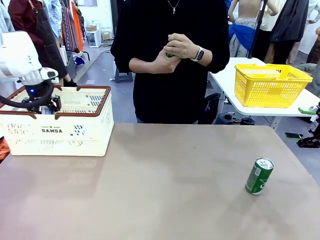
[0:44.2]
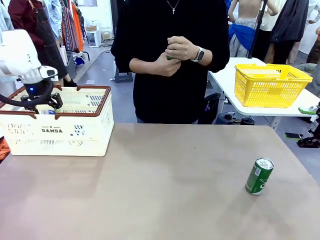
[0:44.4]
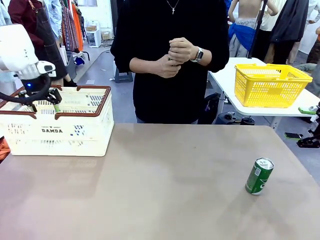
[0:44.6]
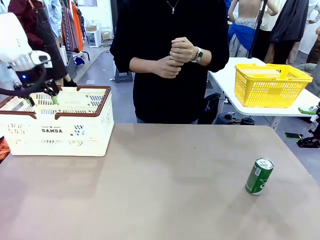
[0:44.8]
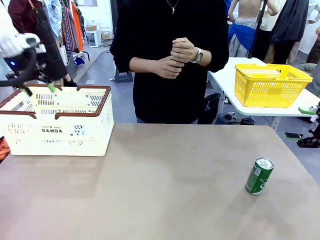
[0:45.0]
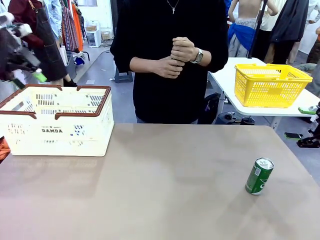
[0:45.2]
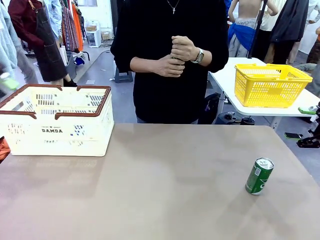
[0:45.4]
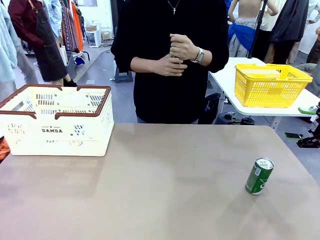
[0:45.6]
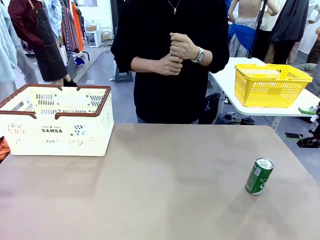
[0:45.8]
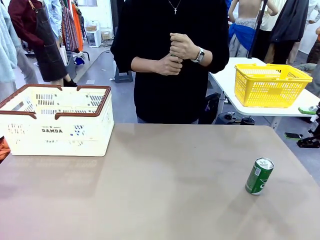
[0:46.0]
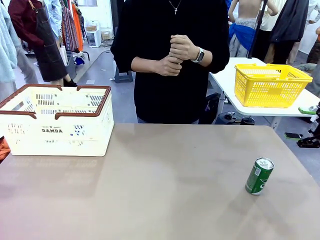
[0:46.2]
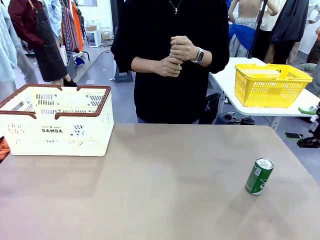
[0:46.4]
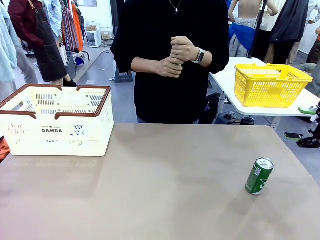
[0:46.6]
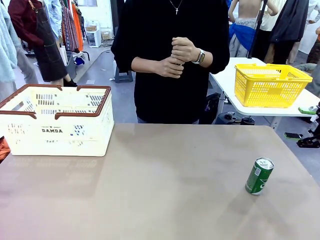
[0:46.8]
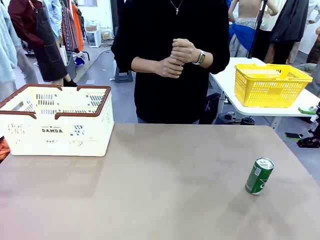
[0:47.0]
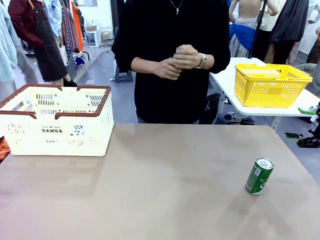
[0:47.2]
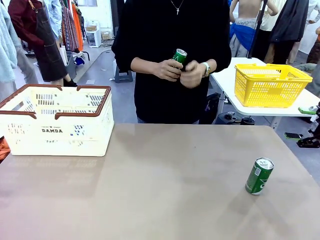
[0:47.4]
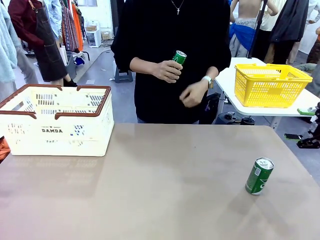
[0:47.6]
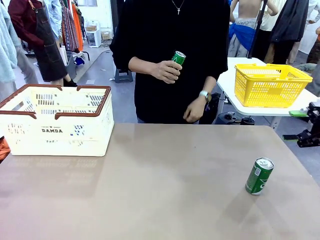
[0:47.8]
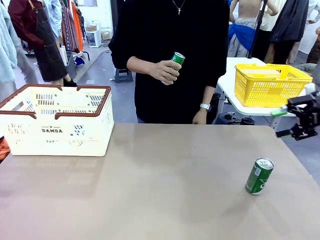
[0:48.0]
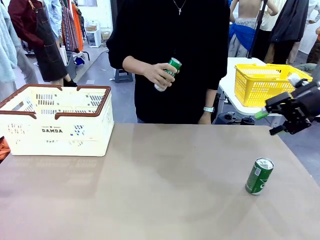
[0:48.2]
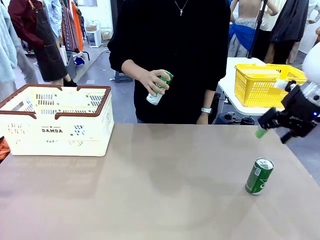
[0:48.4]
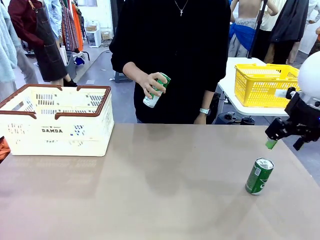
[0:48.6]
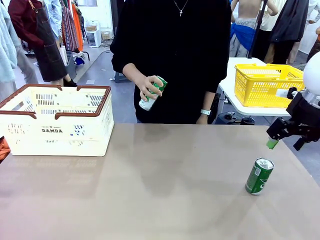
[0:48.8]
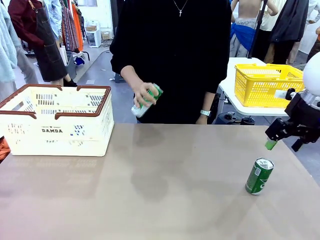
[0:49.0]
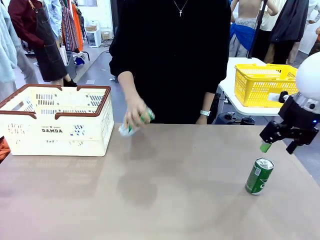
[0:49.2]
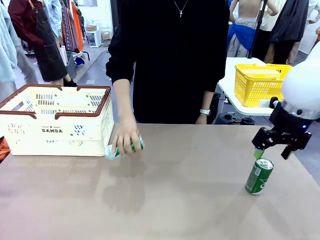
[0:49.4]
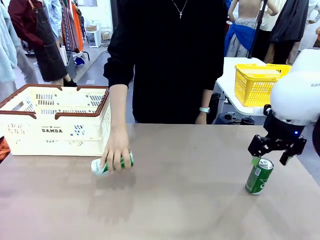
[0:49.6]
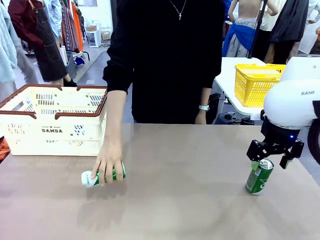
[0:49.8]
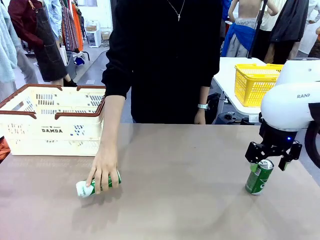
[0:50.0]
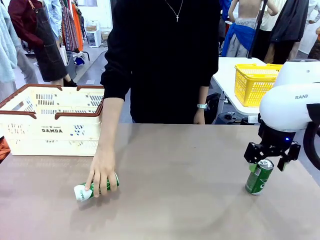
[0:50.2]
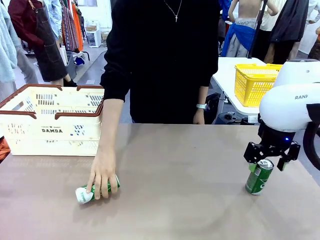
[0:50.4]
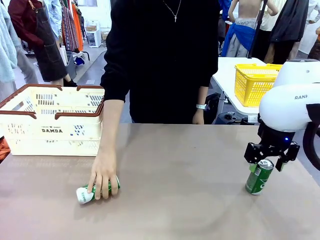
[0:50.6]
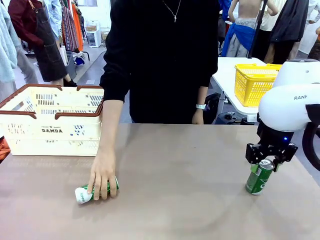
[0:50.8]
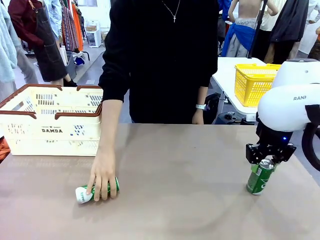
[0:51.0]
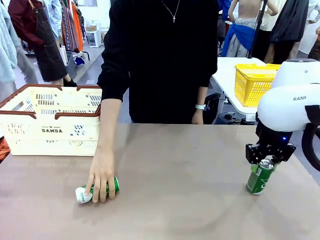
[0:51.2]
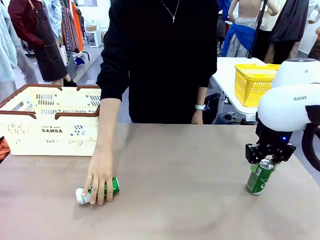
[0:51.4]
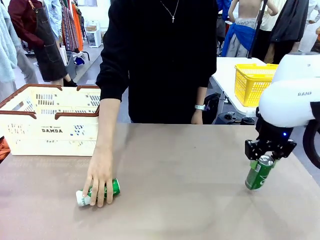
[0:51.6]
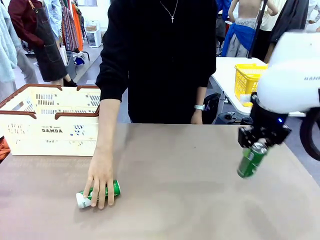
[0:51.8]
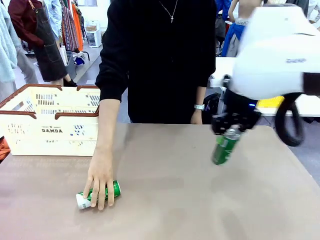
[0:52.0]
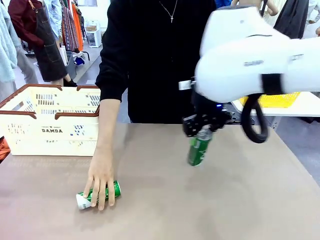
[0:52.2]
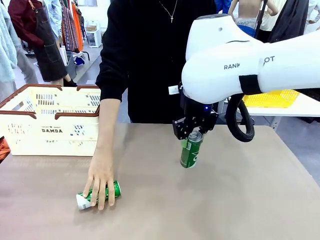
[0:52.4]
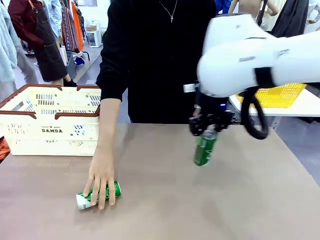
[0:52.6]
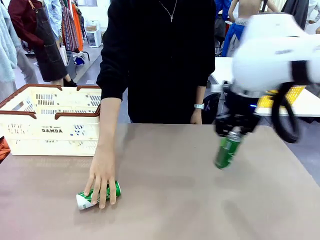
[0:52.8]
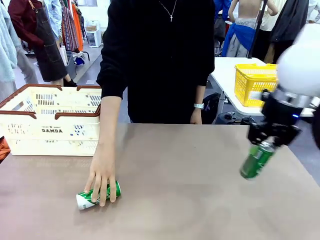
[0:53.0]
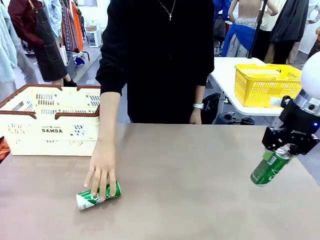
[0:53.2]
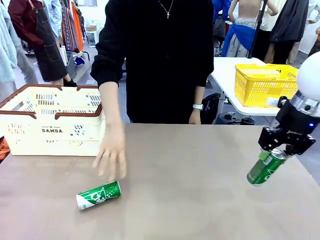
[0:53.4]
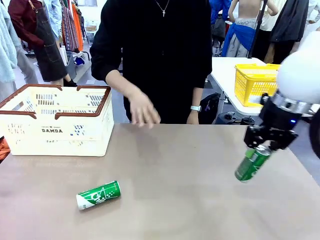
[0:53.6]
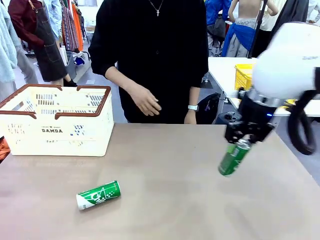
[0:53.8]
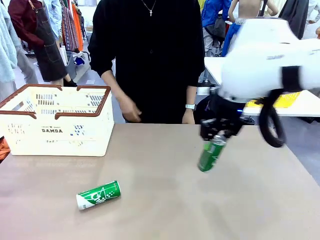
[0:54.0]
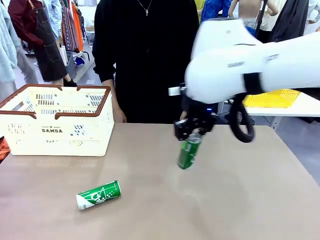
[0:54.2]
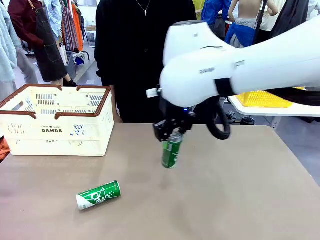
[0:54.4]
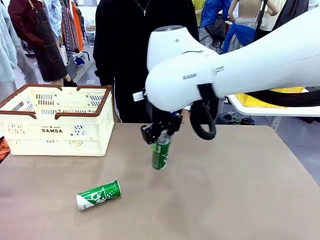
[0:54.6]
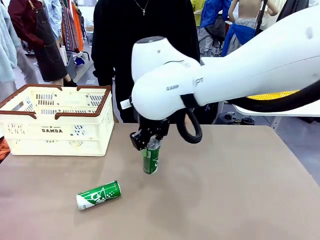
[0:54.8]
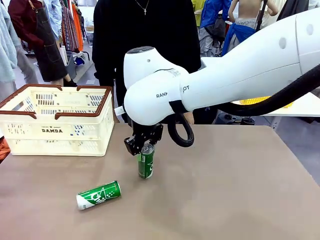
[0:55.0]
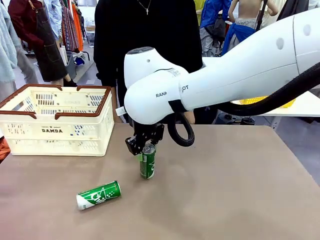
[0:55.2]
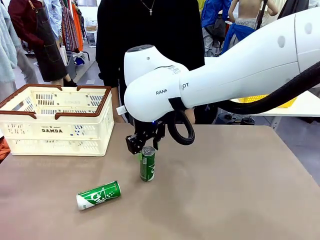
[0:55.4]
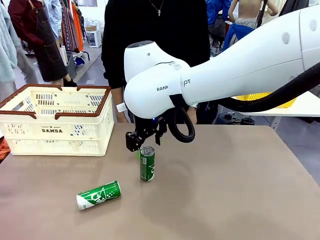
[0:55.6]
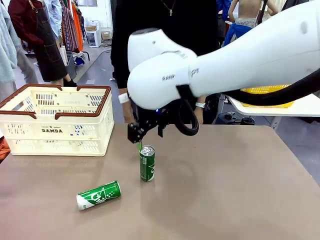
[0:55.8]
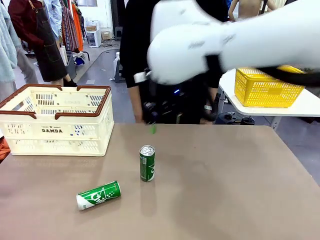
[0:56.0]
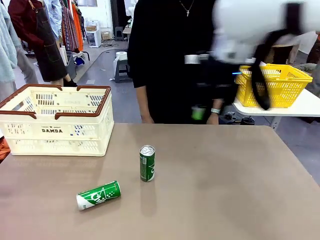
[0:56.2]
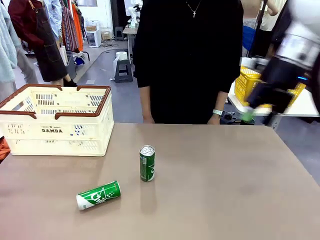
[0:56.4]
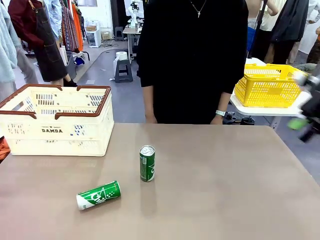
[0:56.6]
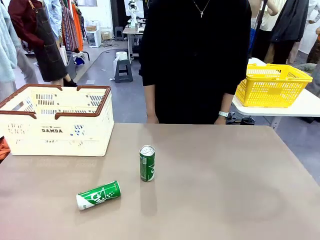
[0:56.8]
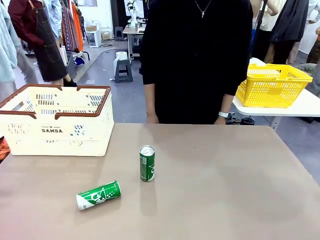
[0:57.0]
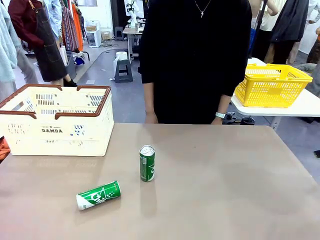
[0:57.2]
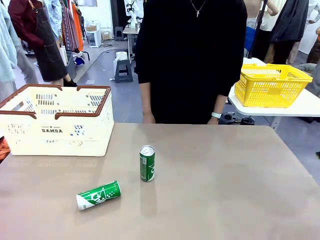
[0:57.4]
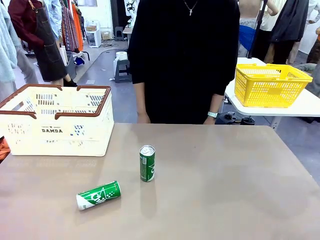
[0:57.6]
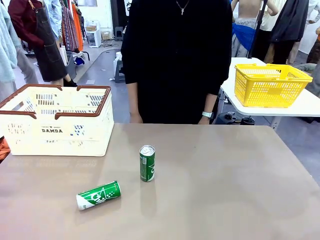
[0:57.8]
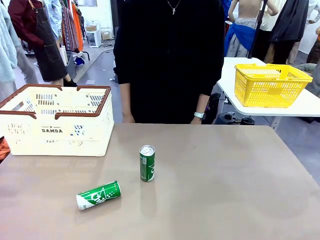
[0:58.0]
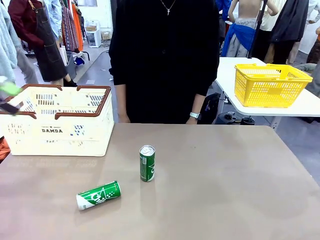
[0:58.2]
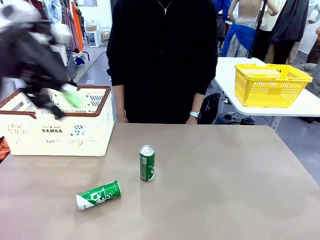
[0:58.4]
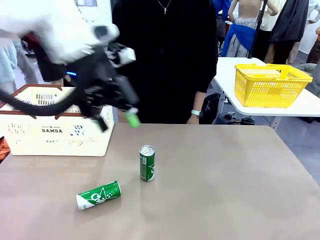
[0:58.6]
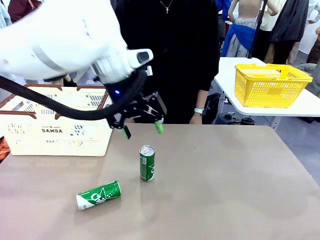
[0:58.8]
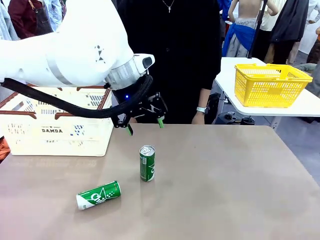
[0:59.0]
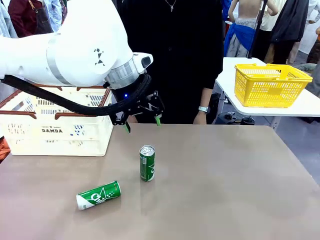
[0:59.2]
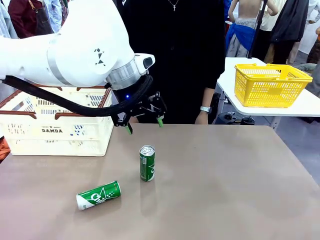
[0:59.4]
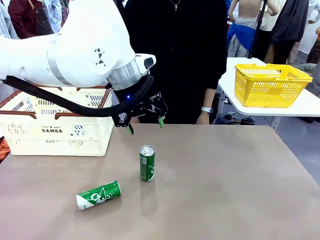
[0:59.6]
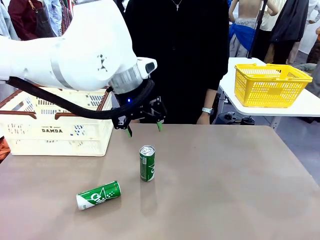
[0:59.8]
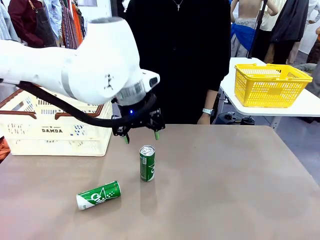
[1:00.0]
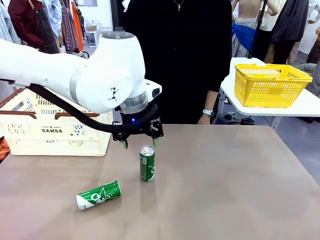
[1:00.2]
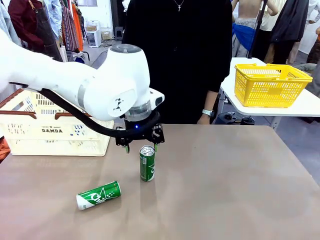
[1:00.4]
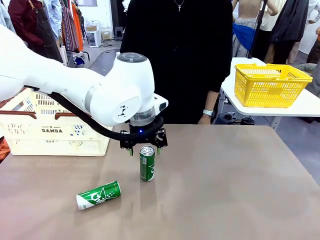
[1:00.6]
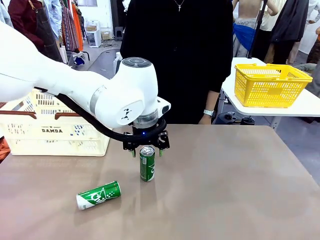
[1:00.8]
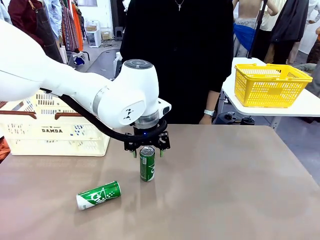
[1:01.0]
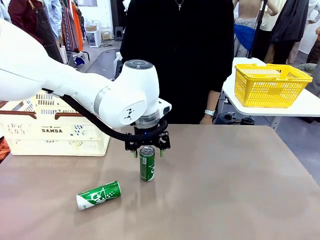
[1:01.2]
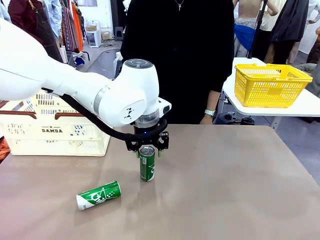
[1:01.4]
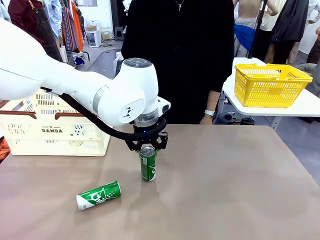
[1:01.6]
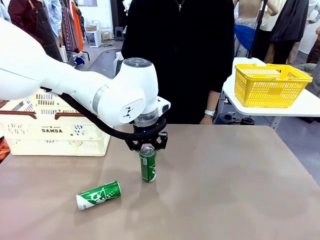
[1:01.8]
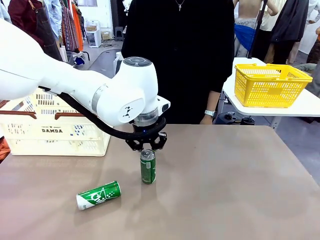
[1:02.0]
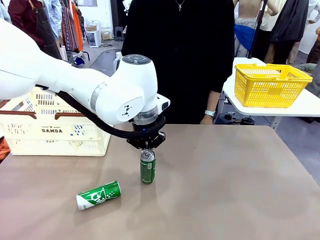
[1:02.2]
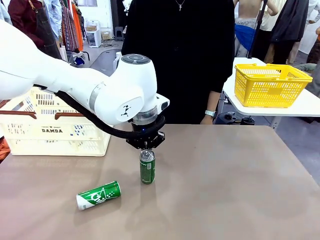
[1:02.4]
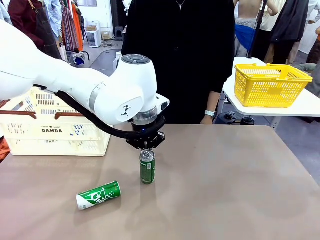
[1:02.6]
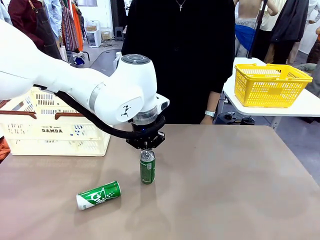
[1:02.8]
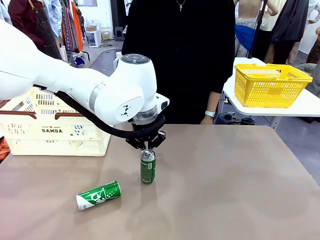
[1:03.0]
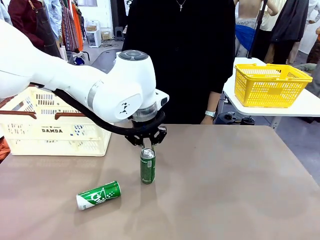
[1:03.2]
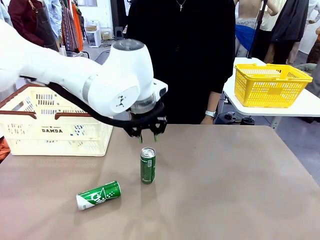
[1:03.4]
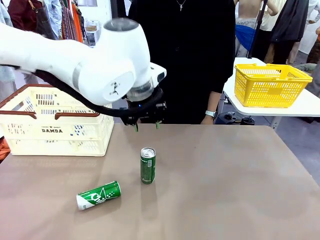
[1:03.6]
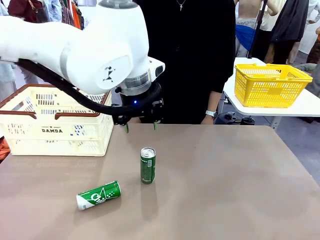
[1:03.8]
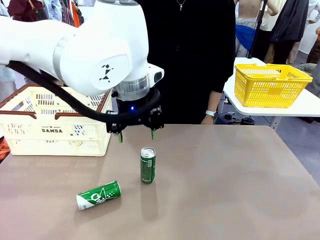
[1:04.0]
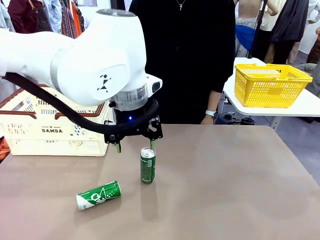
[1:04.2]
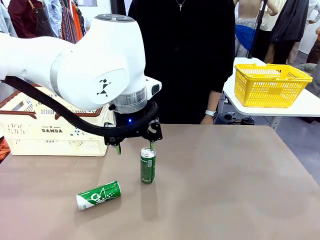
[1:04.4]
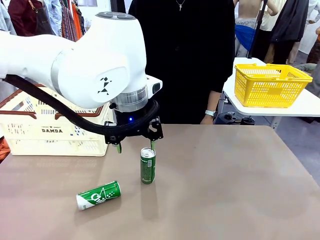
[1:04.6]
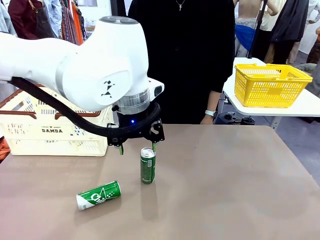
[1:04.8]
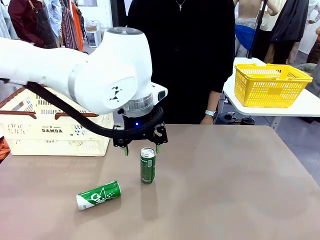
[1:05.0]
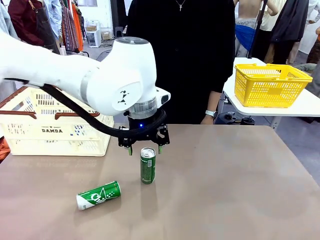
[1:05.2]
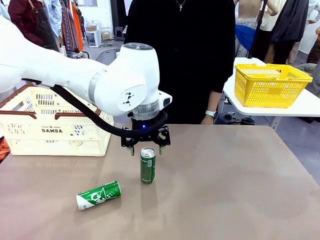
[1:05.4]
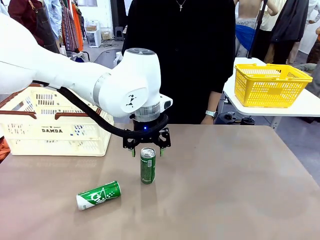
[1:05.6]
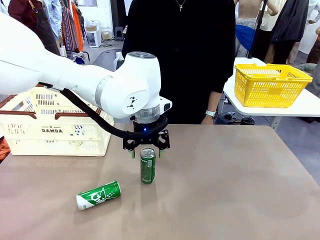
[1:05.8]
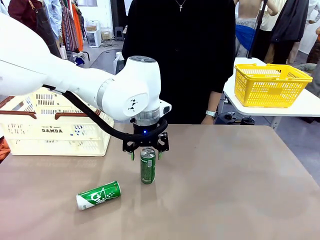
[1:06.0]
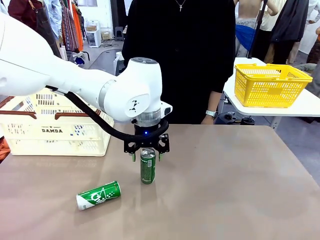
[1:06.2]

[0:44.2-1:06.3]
Task: Place the drinks into the Shopping basket.
Robot: Pick up one drink and place it into the Shopping basket.
